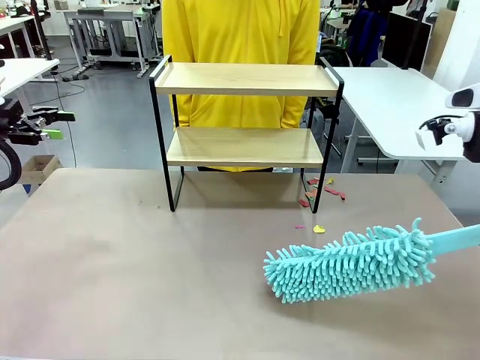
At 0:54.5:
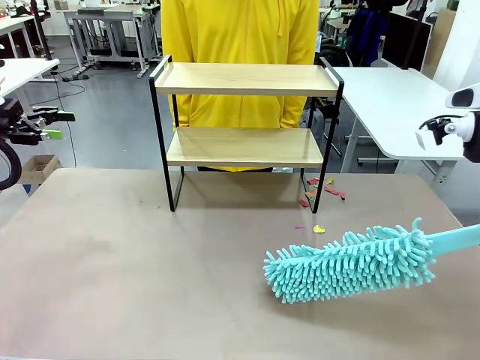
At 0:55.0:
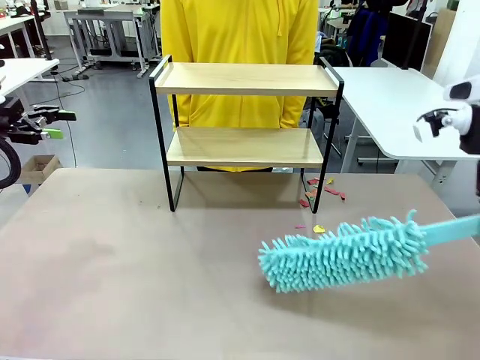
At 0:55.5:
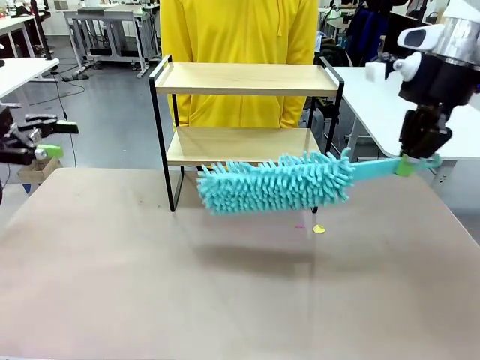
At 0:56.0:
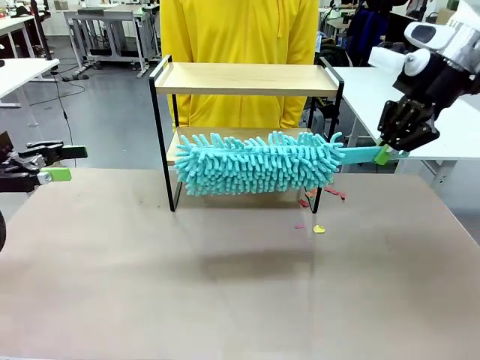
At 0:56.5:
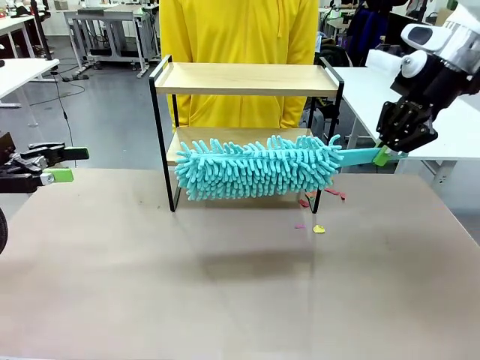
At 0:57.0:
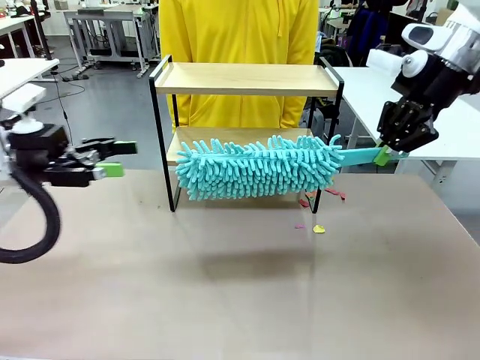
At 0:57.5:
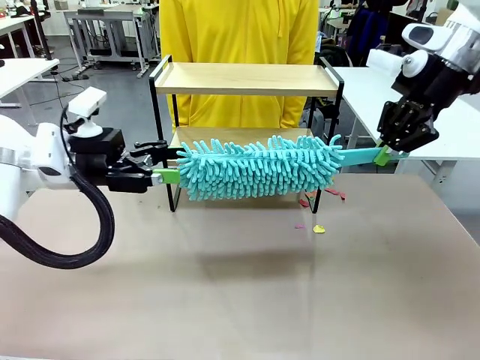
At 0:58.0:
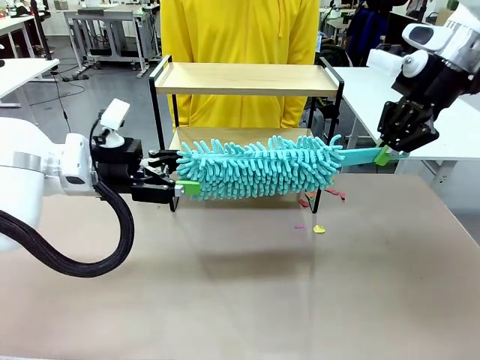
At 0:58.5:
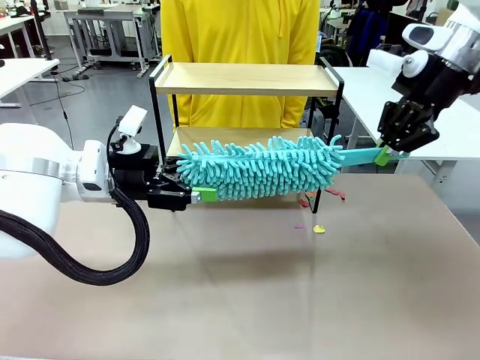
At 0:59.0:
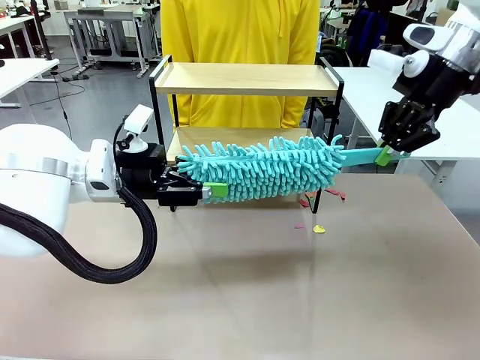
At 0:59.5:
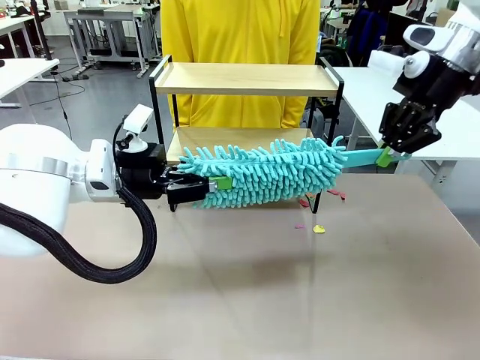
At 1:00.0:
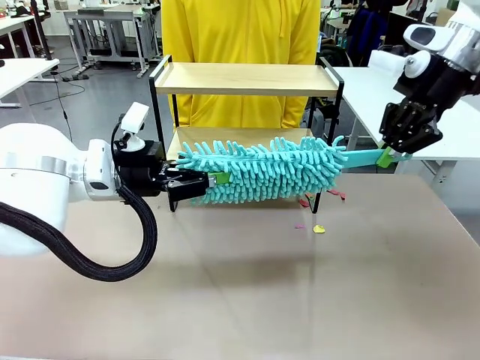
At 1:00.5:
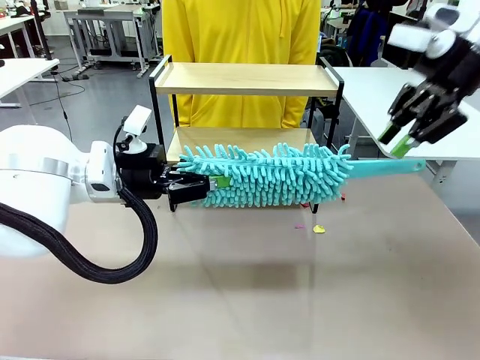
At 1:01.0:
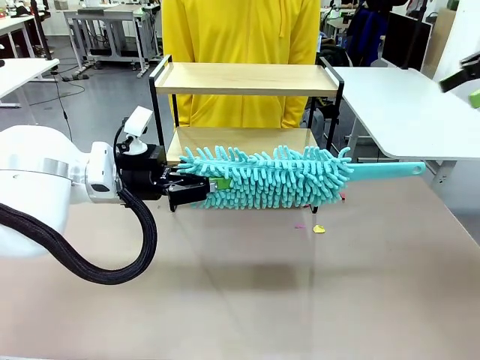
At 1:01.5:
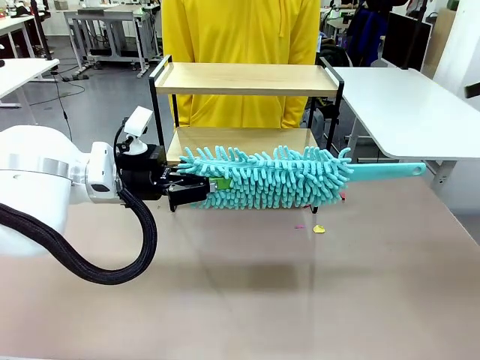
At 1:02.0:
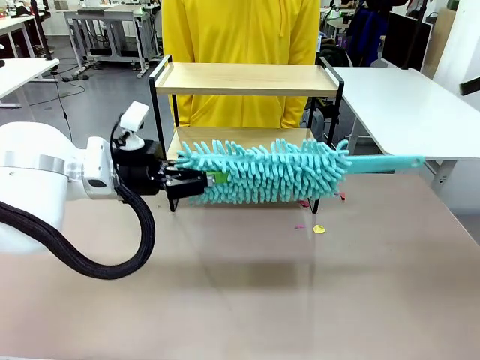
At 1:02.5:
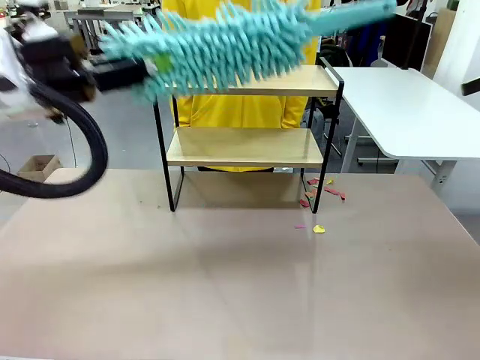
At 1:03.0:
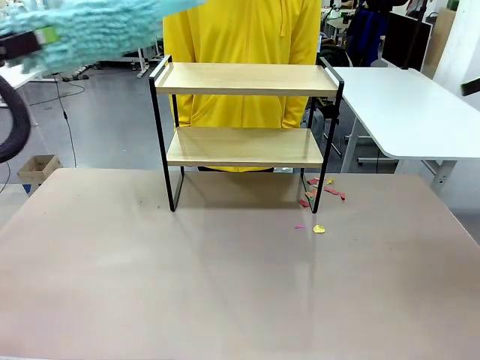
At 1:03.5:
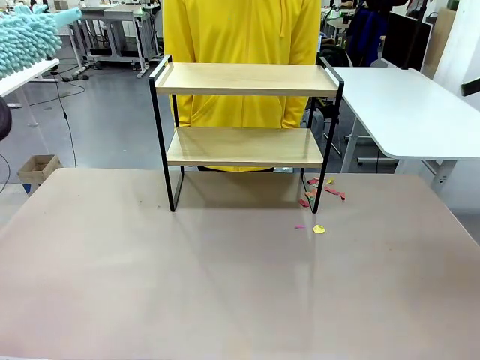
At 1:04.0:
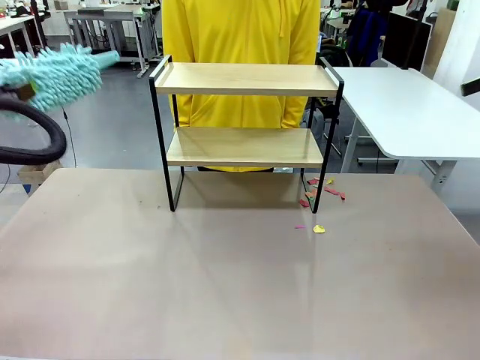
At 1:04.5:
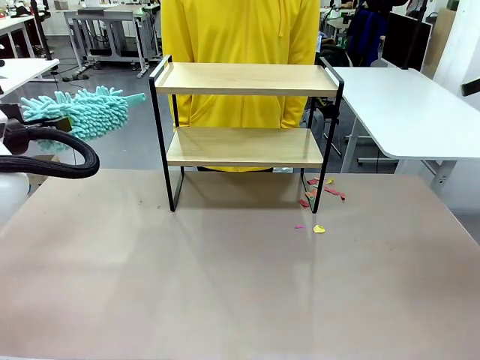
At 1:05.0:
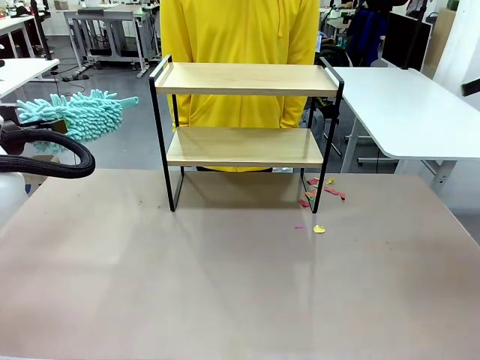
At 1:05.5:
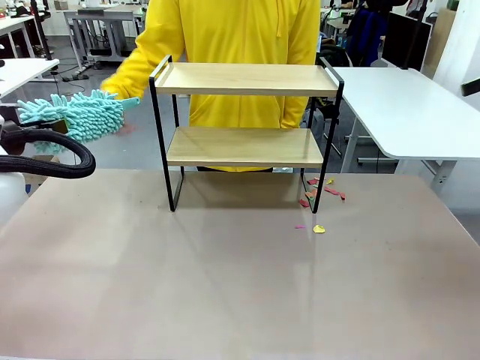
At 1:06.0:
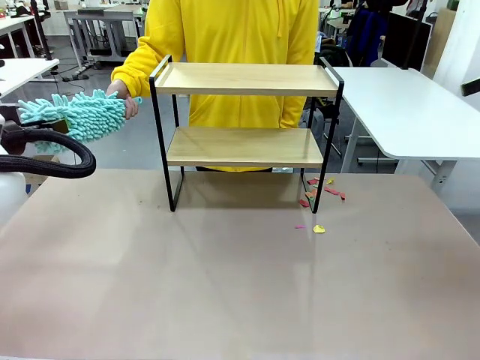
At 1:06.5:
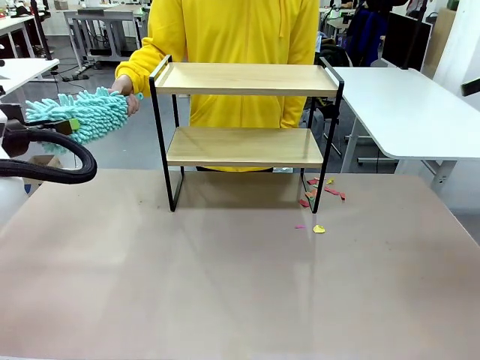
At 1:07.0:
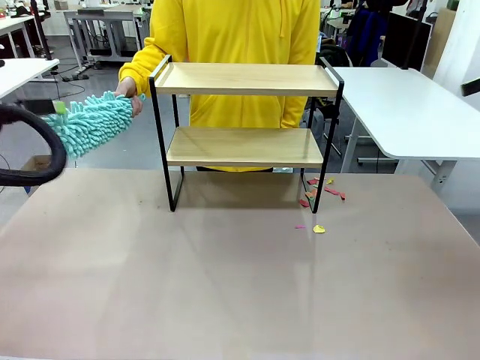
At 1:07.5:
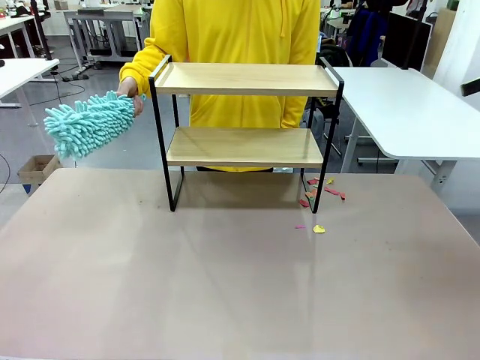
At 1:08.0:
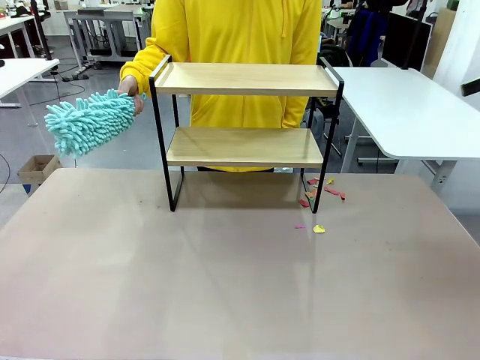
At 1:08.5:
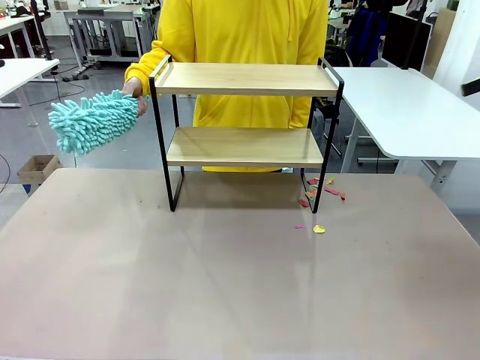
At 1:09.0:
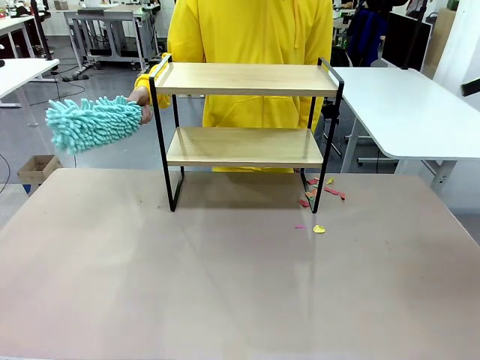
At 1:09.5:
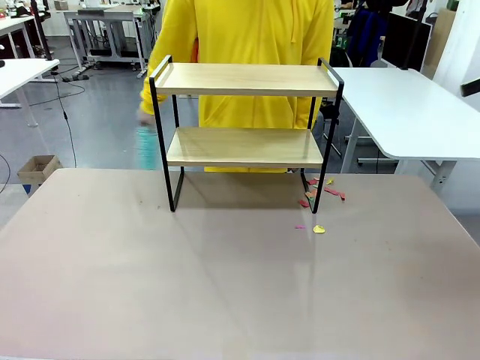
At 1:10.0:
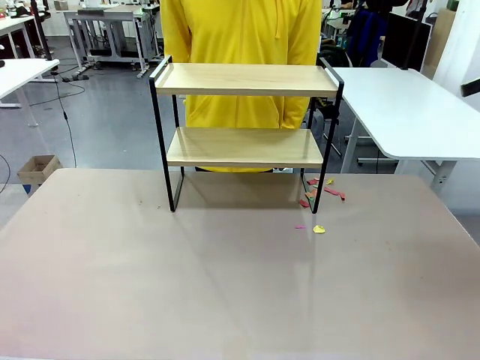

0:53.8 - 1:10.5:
Task: Clean the shelf.
Robot: Hand the Duster back to the human.
Person: Receive the Duster from the robot.
